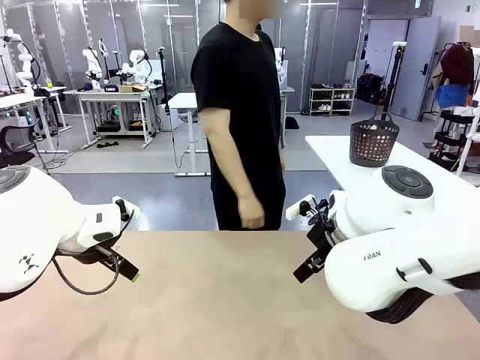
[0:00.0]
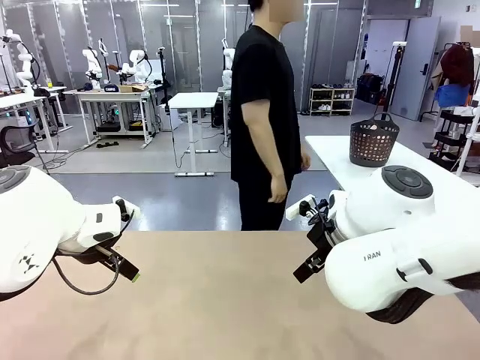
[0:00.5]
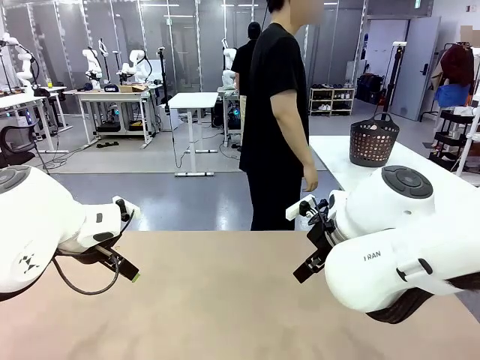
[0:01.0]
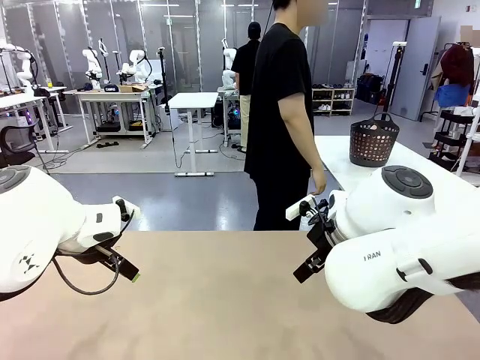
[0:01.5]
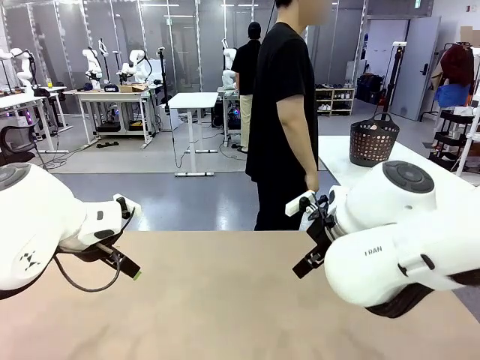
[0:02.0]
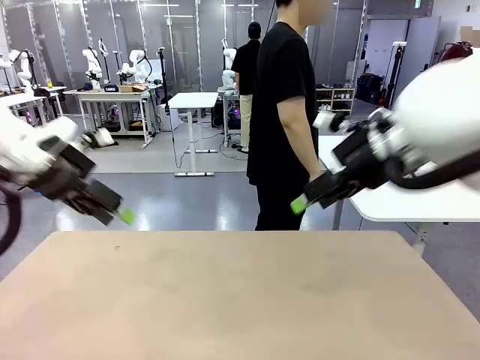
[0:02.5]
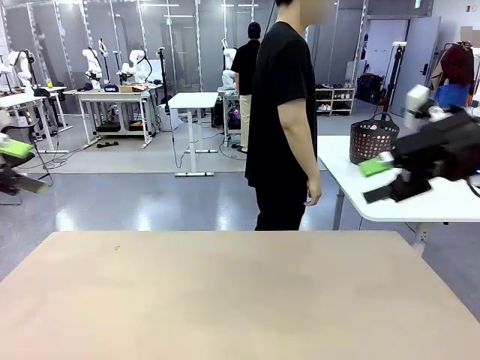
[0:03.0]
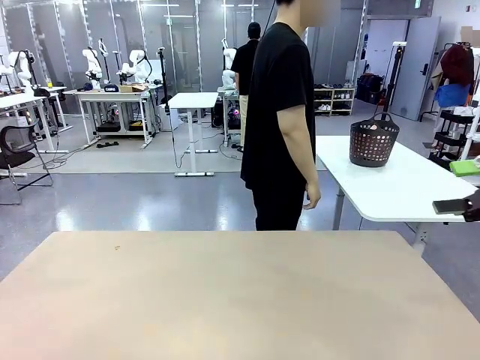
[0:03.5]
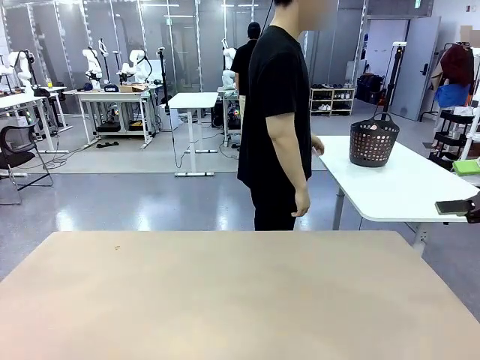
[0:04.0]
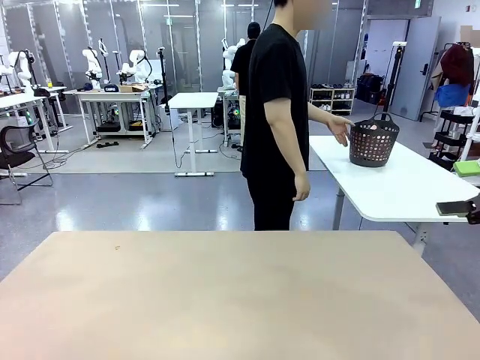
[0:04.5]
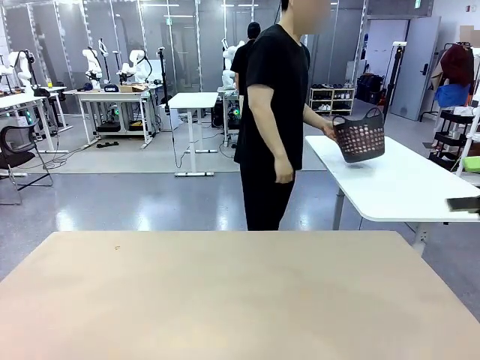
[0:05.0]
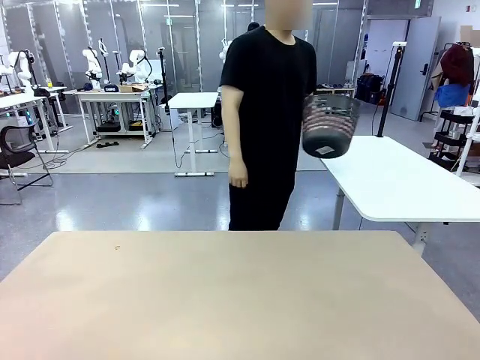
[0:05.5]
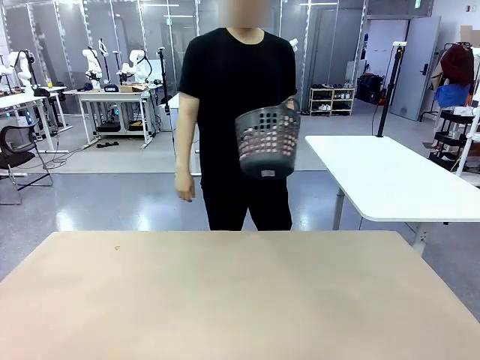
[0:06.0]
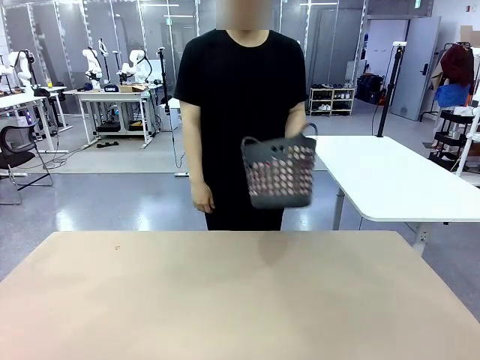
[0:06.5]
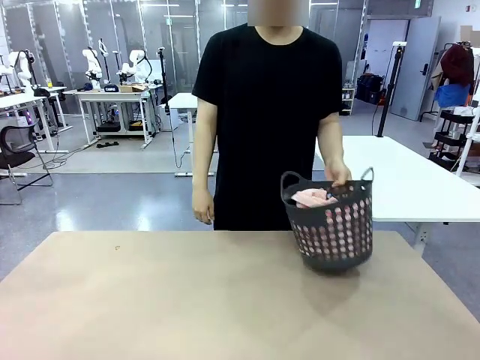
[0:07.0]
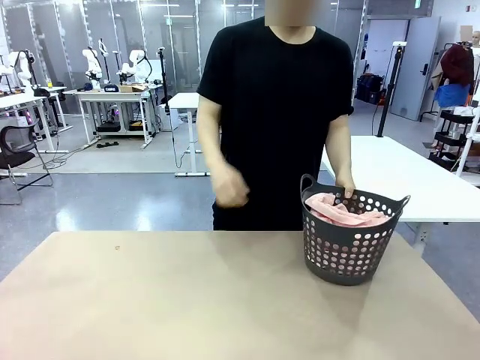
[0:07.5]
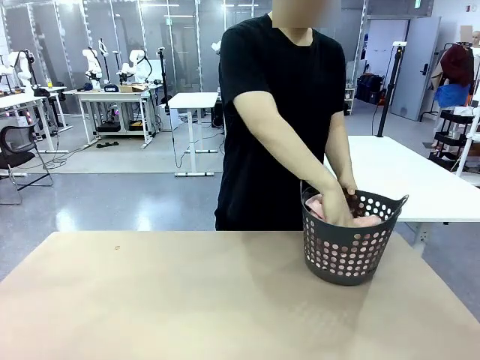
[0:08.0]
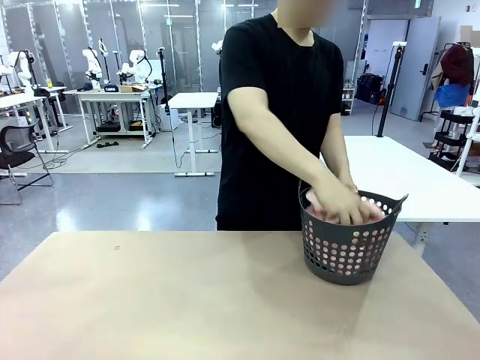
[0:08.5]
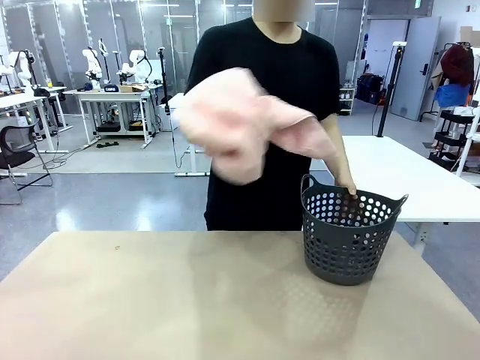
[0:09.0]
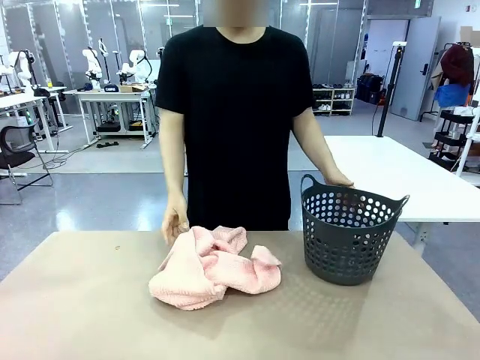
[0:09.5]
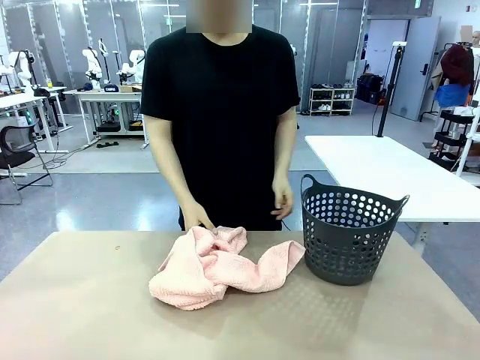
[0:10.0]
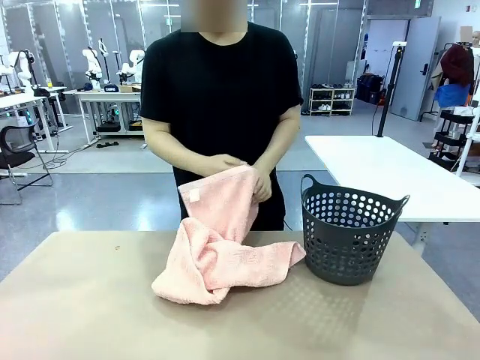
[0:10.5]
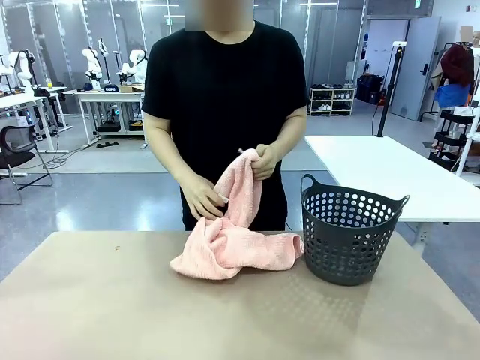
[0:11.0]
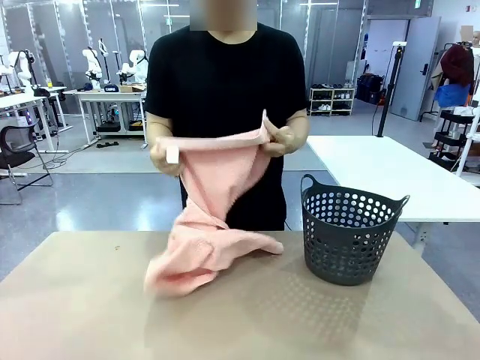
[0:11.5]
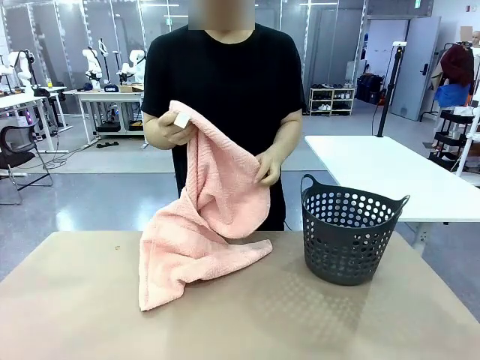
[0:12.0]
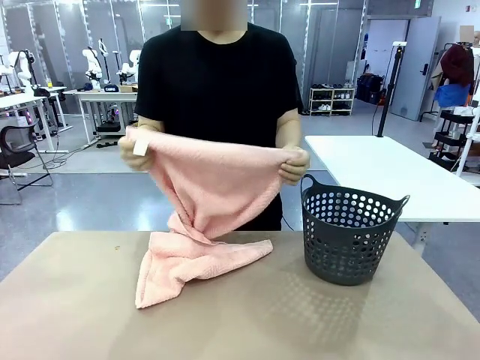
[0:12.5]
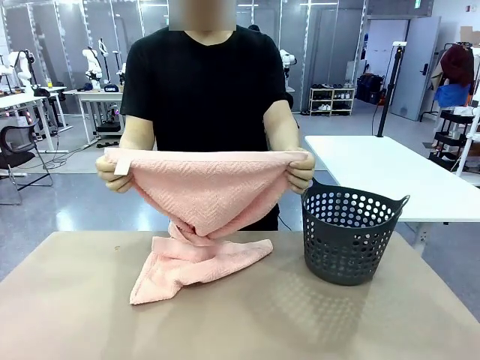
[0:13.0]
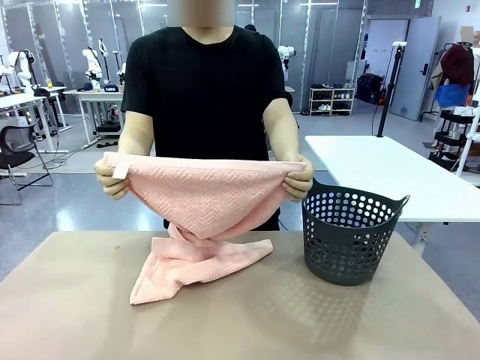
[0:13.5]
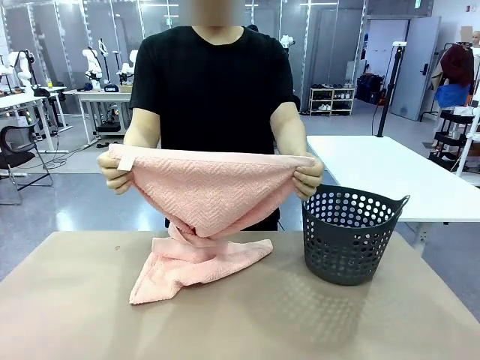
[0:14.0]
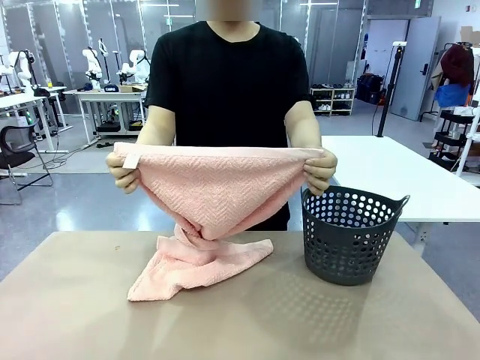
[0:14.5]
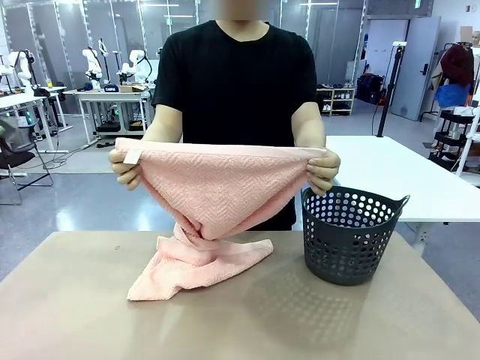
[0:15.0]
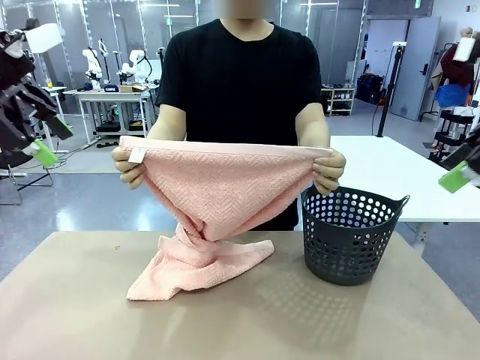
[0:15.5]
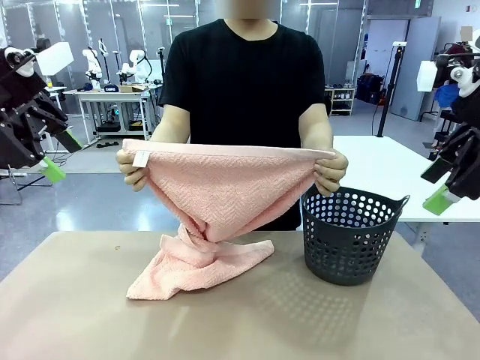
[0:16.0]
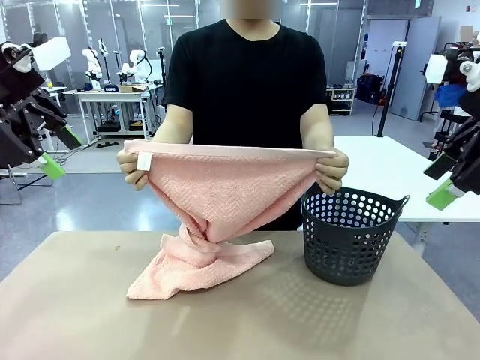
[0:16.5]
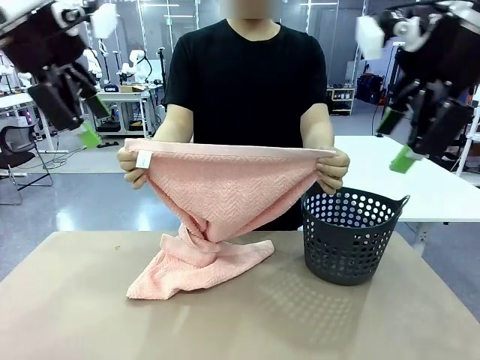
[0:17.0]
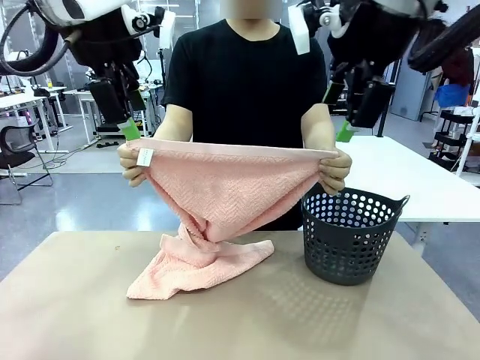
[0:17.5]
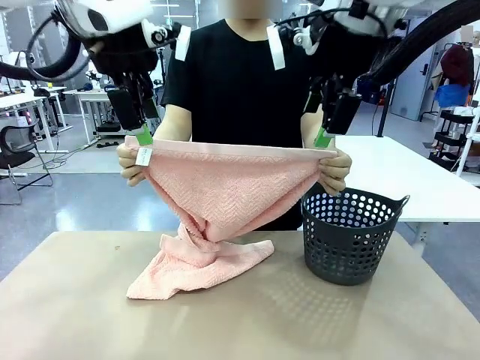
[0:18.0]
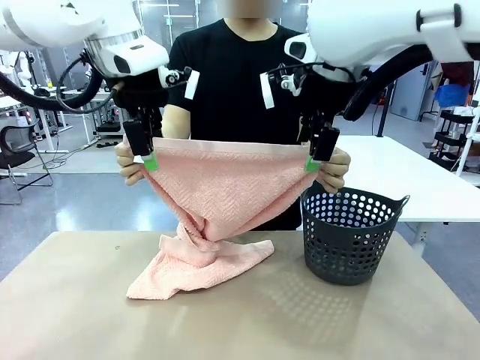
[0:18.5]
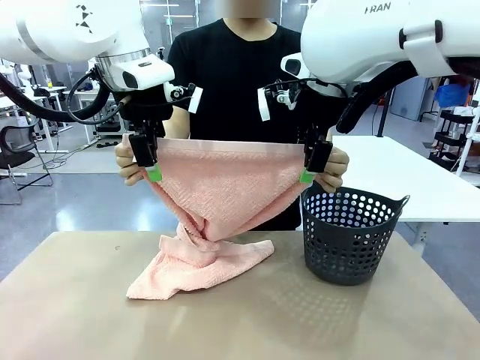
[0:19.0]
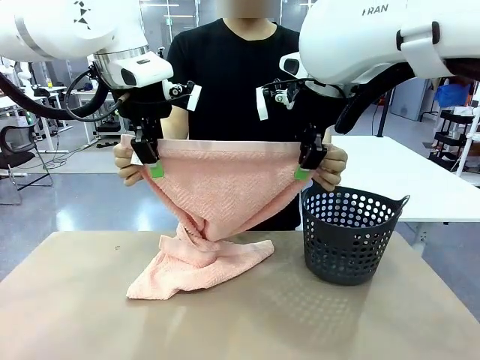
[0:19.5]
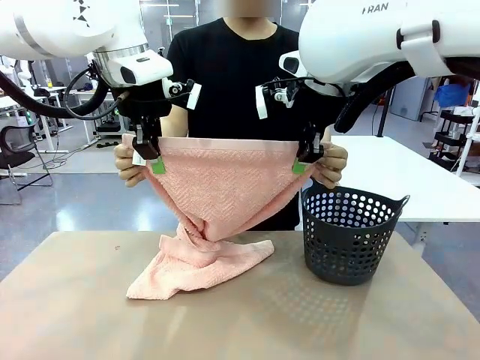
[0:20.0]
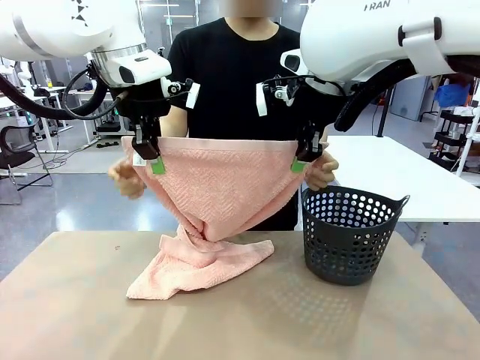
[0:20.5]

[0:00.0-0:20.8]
Task: Fold the towel.
Robot: Grab the top end of the 100 cm Hotel Towel extended by the human.
Person: Pick up the laundry basket, place it on the left side of the robot table, then take out a towel and hand it to the robot while holding both corners of one end.
